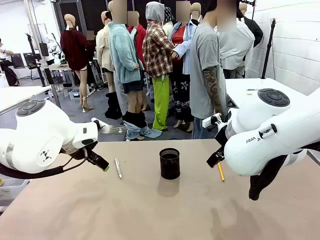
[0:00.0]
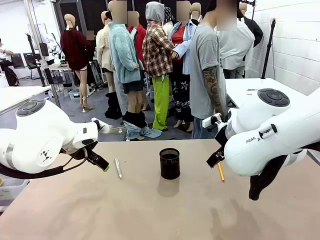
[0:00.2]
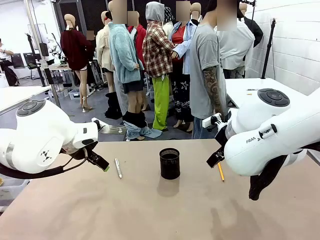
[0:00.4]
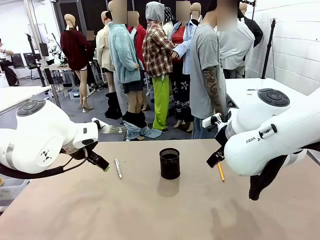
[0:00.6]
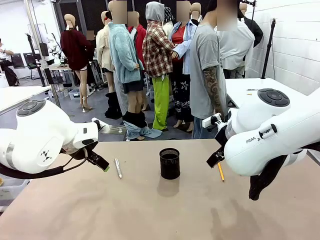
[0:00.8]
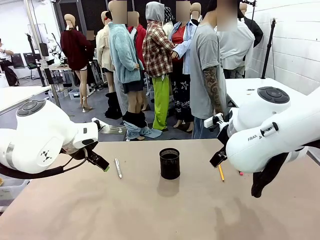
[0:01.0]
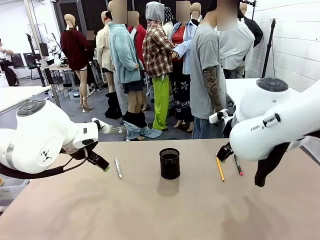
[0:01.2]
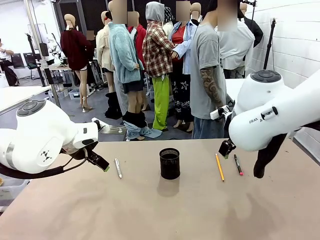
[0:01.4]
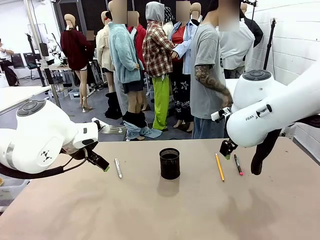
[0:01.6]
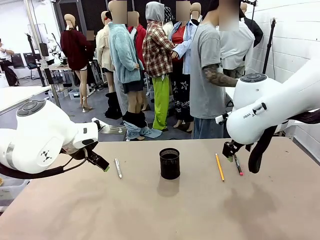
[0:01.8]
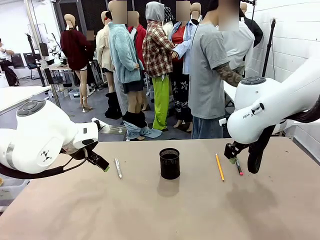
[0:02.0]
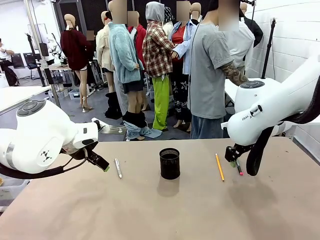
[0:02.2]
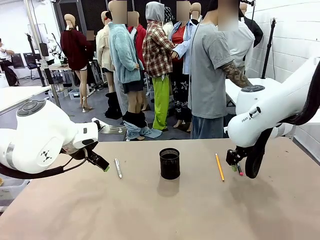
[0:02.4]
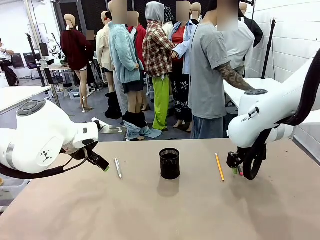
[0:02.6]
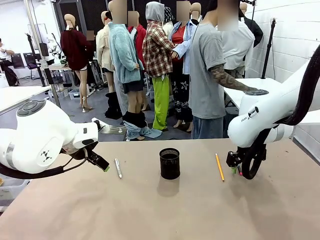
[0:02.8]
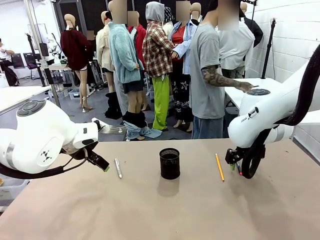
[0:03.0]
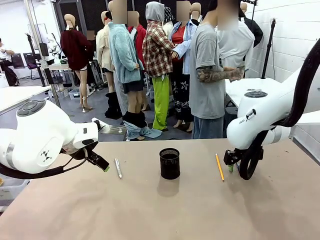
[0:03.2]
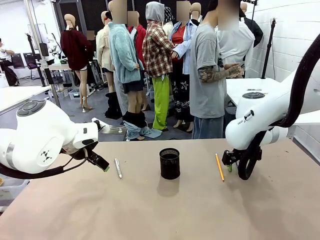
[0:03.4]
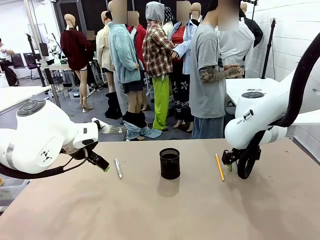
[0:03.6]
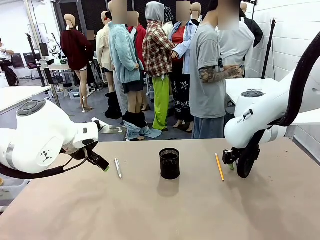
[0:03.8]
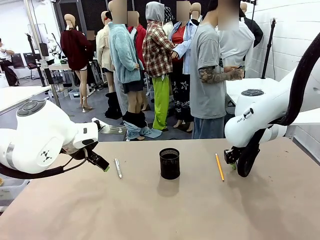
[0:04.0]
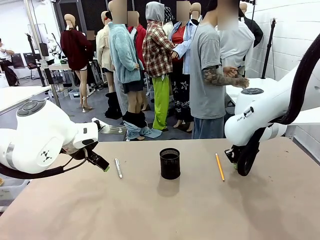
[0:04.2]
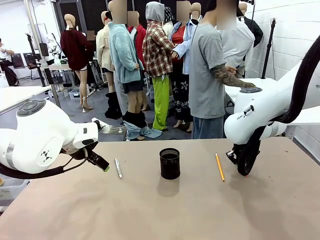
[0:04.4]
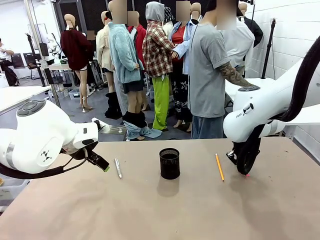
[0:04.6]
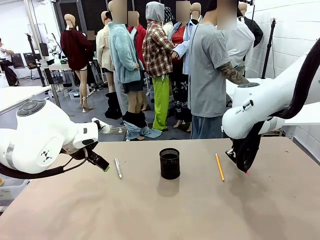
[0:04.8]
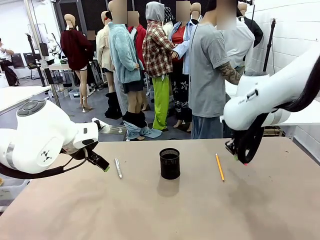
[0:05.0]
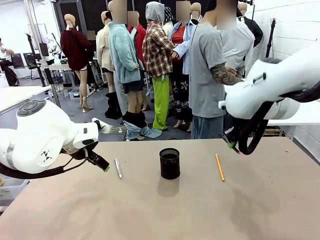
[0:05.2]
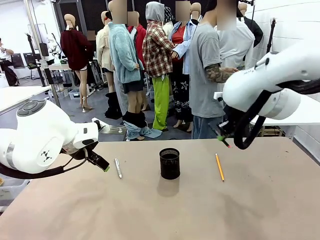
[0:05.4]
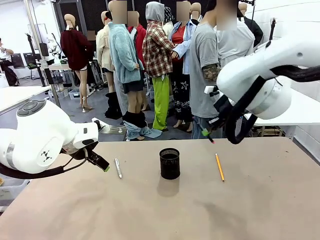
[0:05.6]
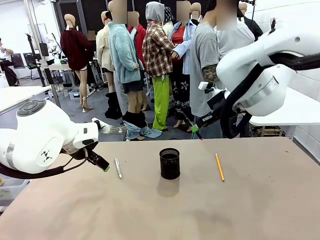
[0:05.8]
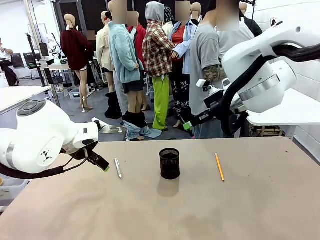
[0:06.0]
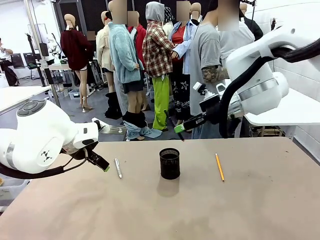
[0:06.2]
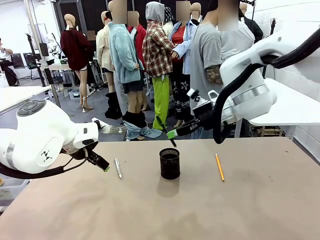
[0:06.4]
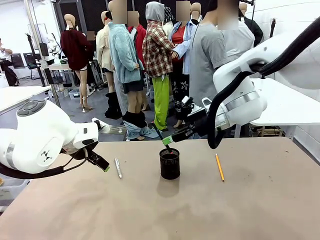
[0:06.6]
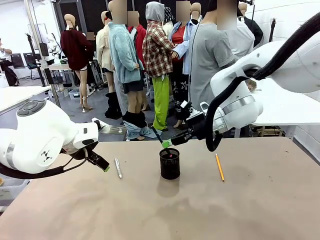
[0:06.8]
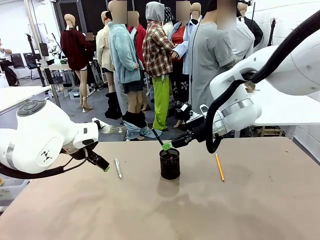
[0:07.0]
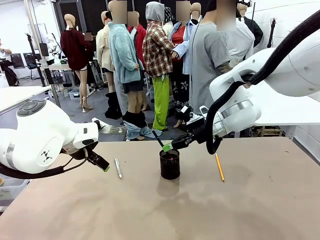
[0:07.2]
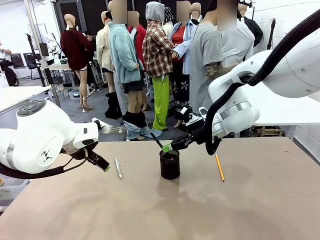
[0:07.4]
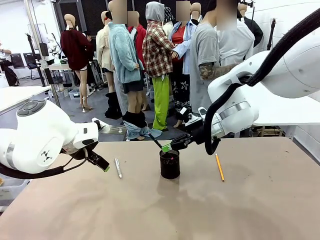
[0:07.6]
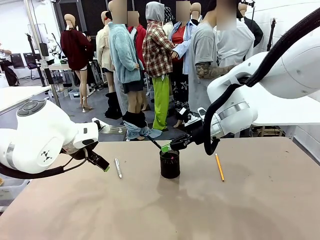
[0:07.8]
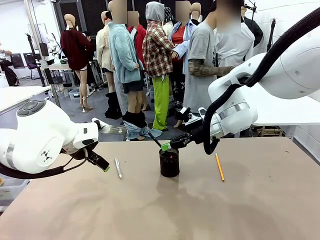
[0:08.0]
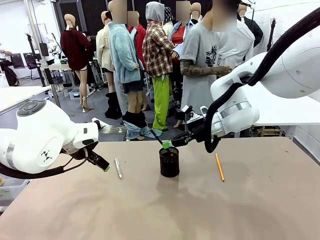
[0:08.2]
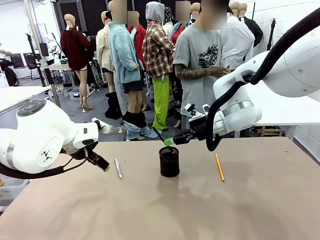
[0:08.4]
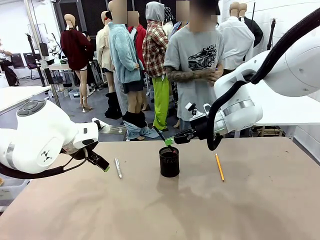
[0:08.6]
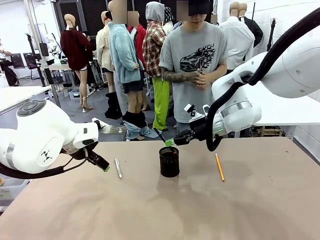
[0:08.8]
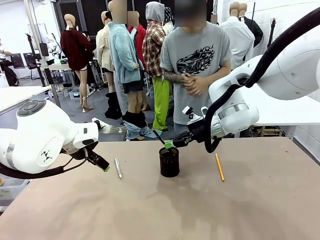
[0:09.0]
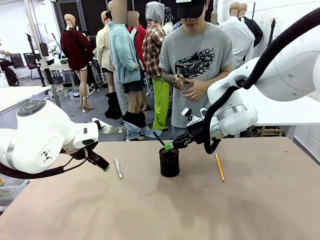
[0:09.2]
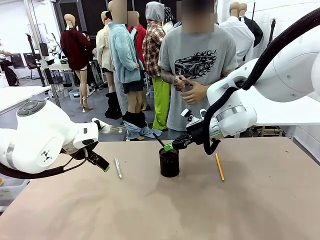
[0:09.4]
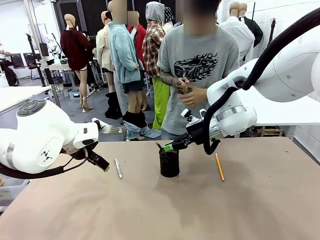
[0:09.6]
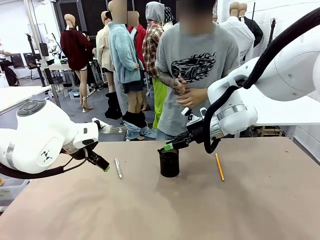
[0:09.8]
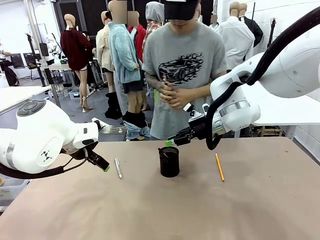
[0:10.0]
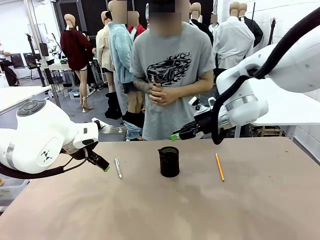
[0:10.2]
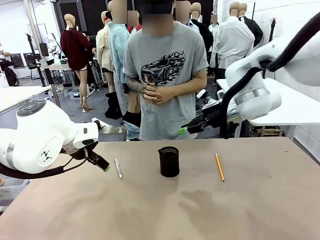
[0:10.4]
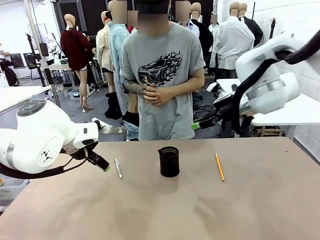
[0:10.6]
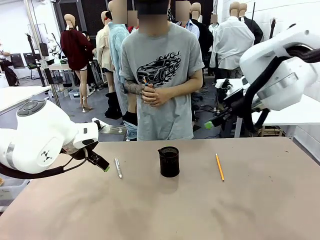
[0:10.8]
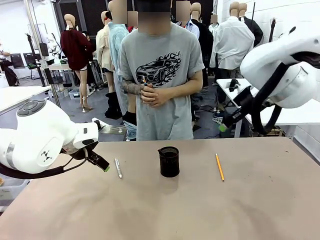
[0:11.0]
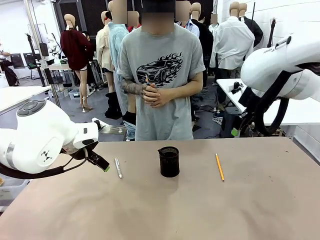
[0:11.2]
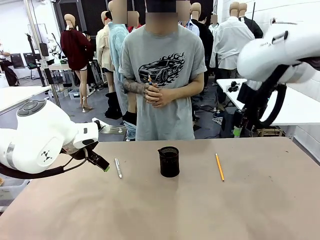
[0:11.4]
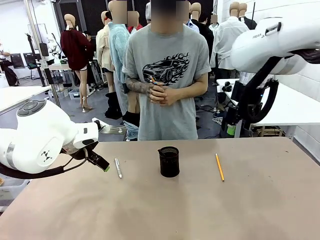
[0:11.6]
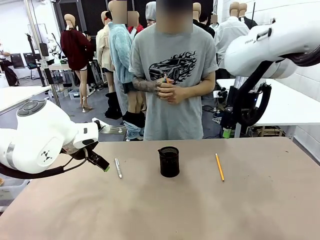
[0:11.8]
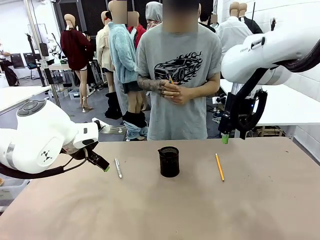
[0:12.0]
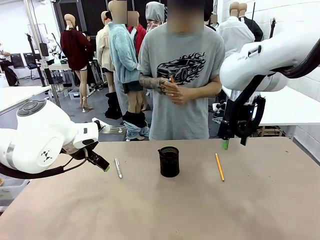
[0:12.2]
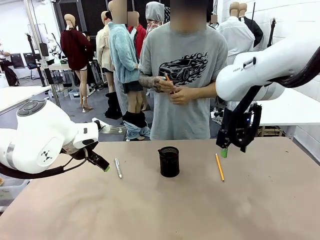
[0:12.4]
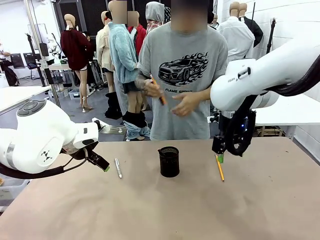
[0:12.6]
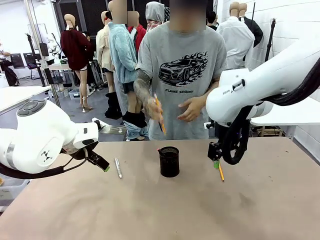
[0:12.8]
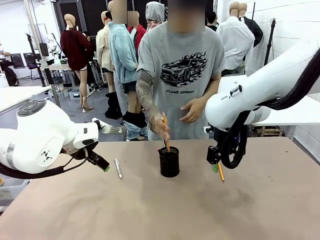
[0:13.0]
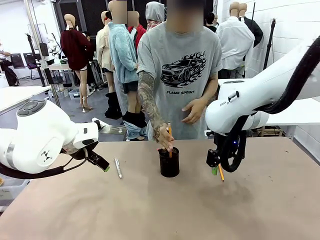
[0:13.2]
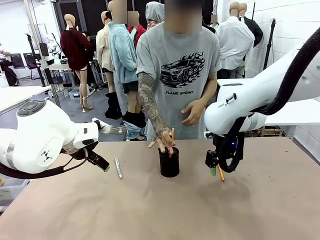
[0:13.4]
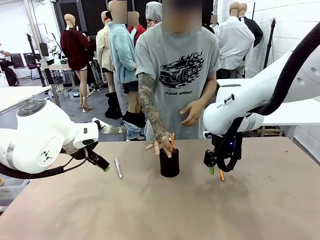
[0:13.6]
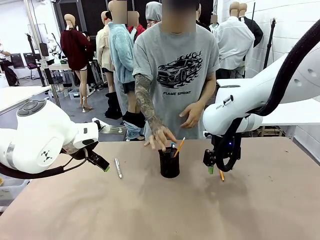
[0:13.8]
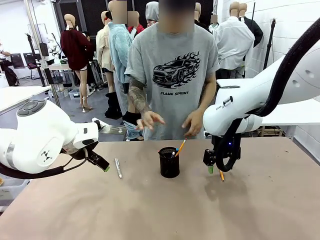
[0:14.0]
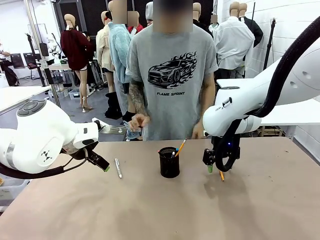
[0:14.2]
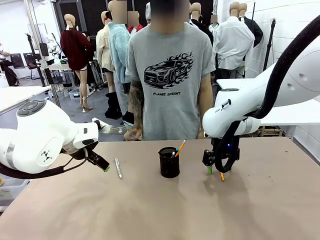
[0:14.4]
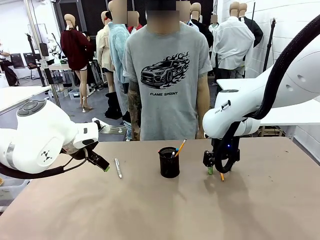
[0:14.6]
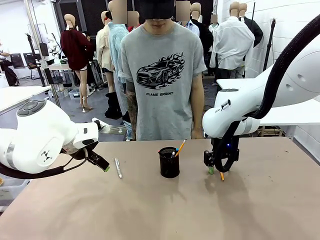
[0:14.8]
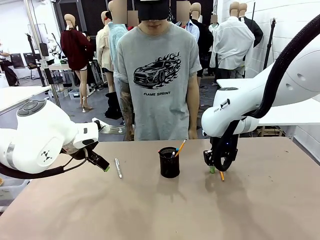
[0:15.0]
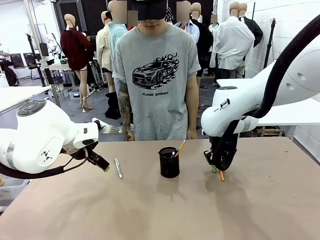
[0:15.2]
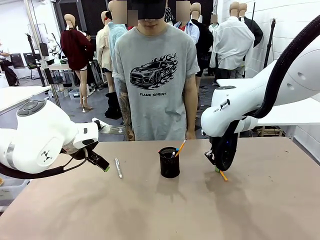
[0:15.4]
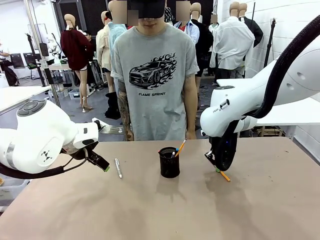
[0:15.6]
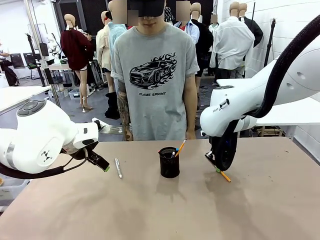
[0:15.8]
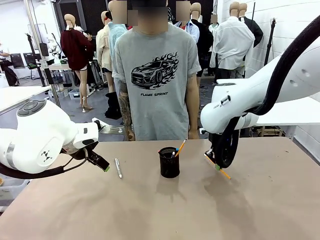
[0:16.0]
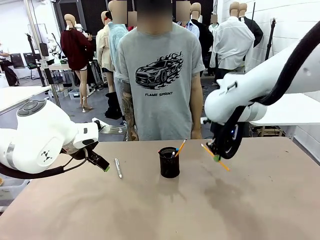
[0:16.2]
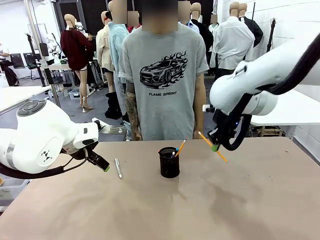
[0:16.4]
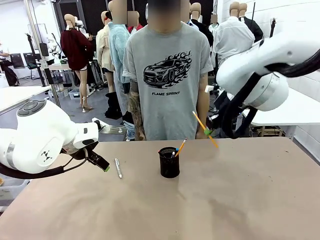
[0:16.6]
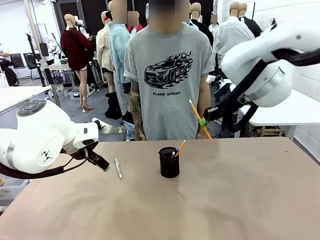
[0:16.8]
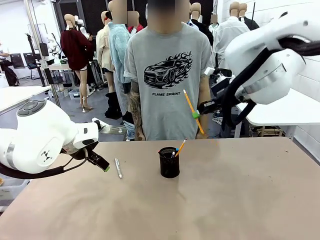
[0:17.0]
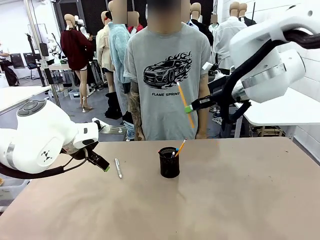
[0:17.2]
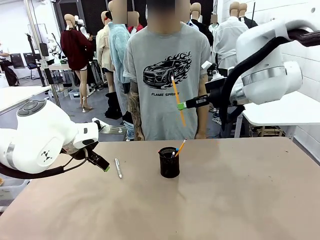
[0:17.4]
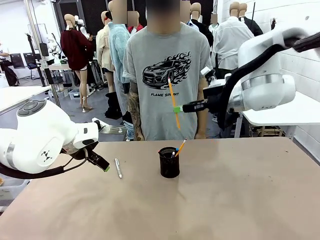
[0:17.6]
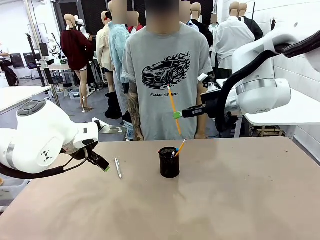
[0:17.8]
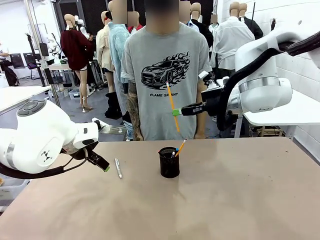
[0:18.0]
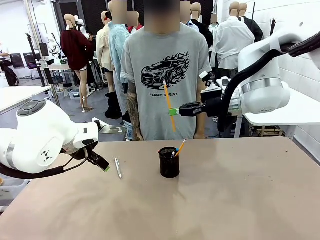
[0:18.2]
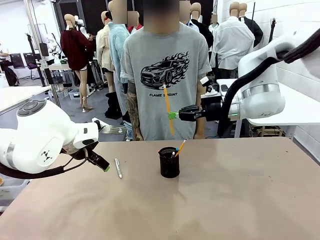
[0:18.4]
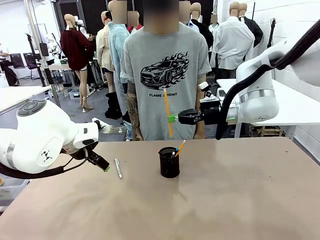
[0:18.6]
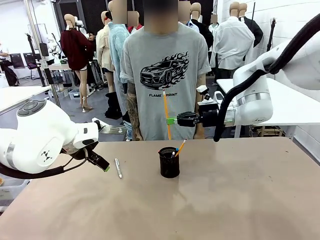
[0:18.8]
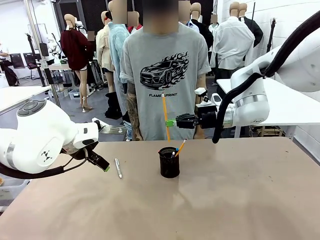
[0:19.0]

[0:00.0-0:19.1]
Task: Place the pens into the pen holder.
Robot: Pick up a writing instrument from the table and place it into the Pen holder.
Person: Pick up all writing instruments from the Human table.
